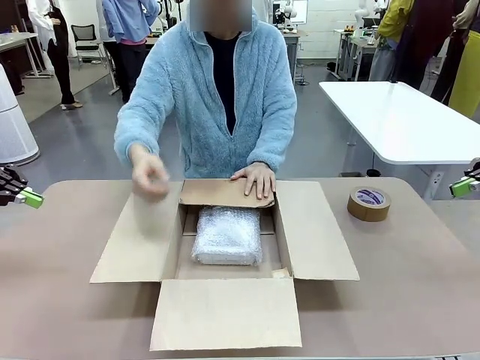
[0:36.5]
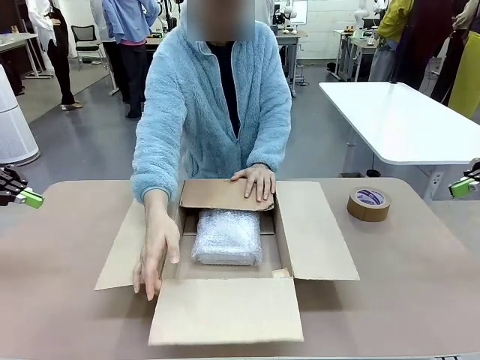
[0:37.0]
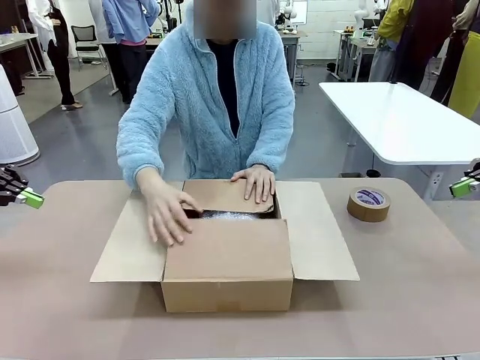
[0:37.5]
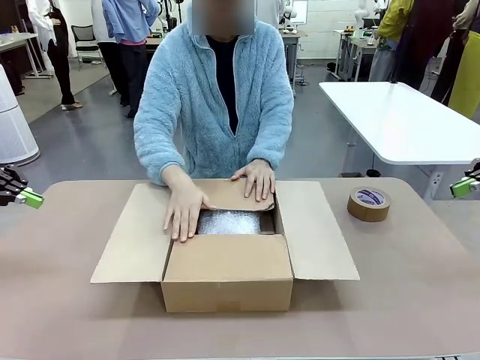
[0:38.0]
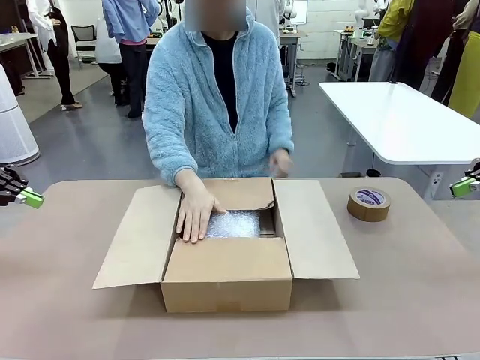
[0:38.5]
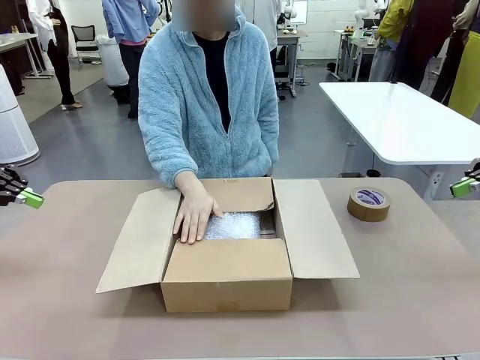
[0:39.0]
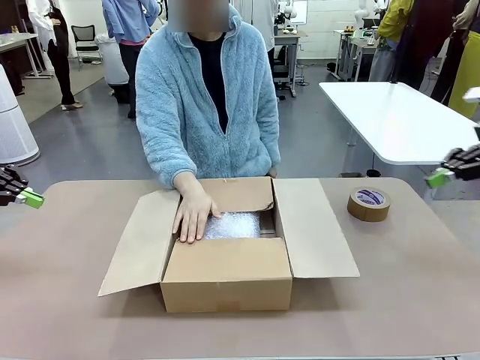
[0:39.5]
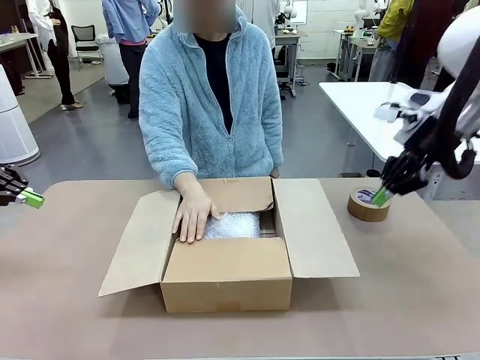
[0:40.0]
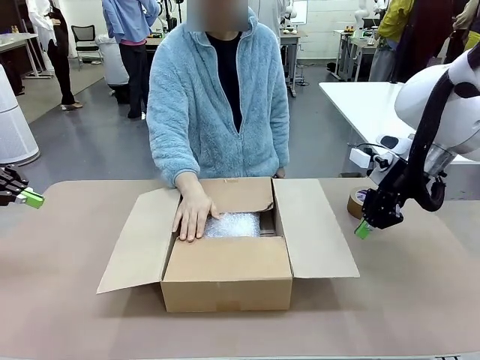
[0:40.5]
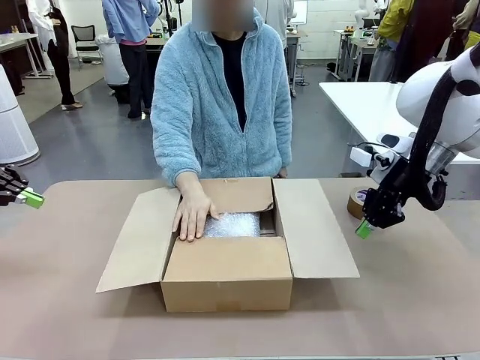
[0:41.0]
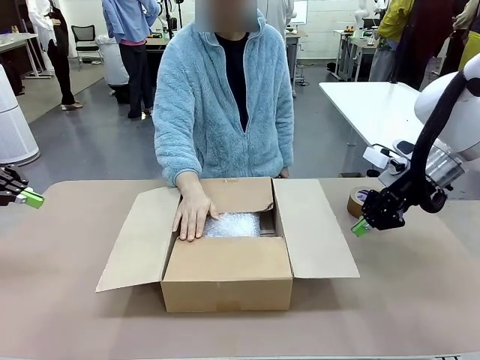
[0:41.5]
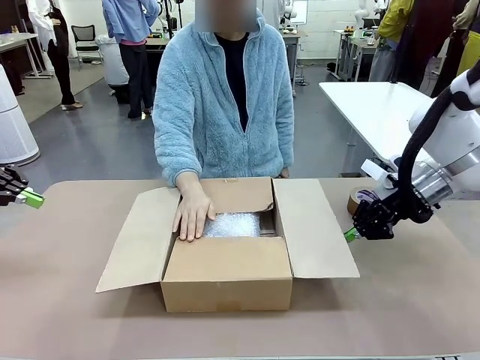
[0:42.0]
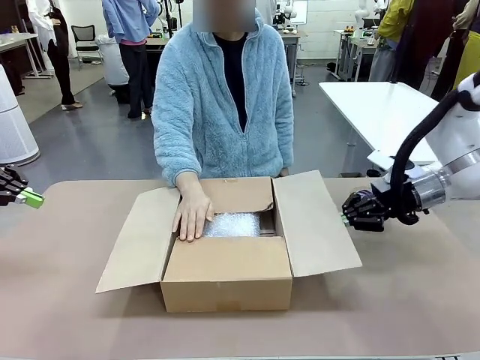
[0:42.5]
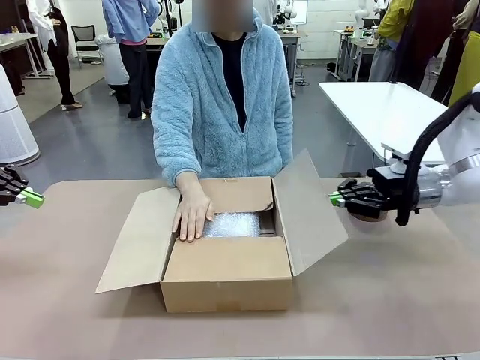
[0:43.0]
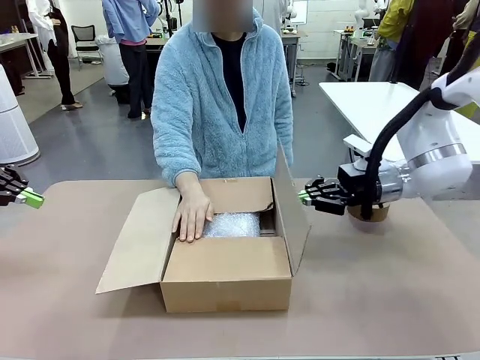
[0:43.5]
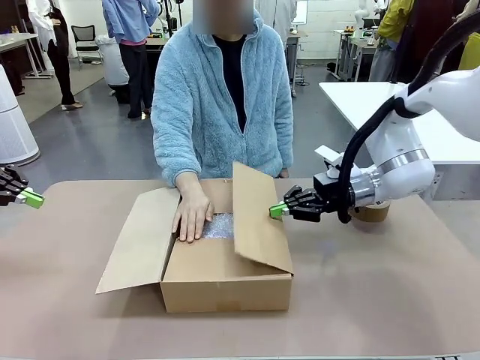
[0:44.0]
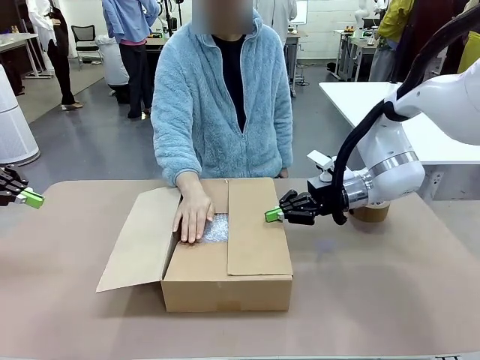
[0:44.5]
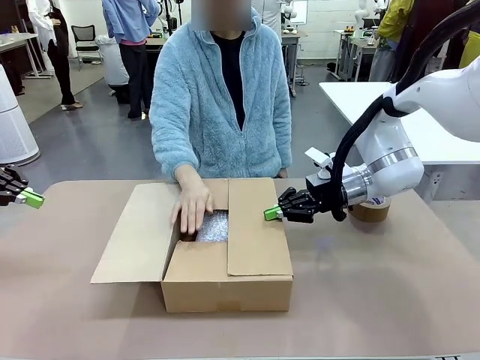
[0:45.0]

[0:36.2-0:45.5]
Task: Wrap the clocks to prevent damage.
Robot: Push the right (or left) flap of the Package Box to close it.
Person: Once the robot closes the right flap of the Package Box , release your left hand from the box.

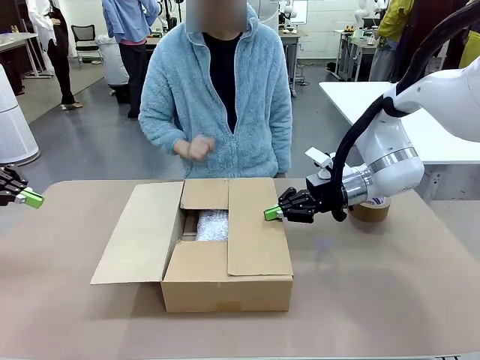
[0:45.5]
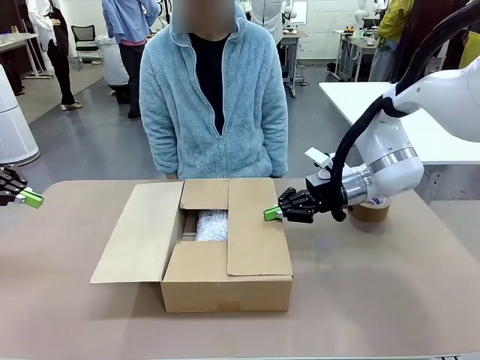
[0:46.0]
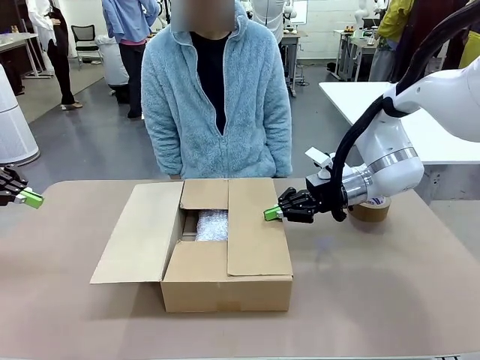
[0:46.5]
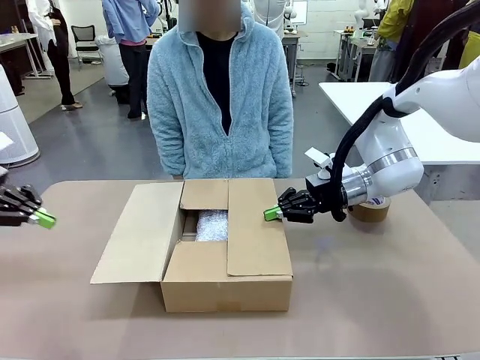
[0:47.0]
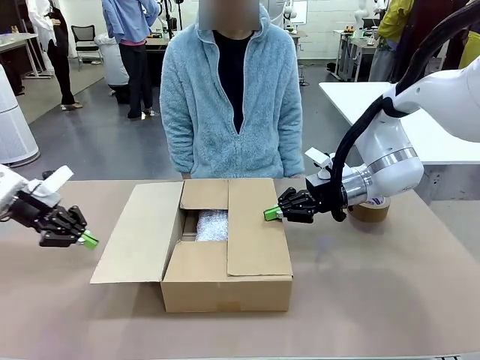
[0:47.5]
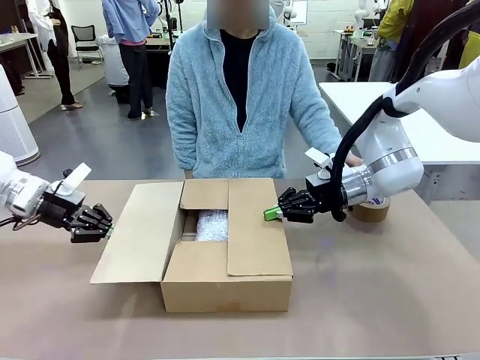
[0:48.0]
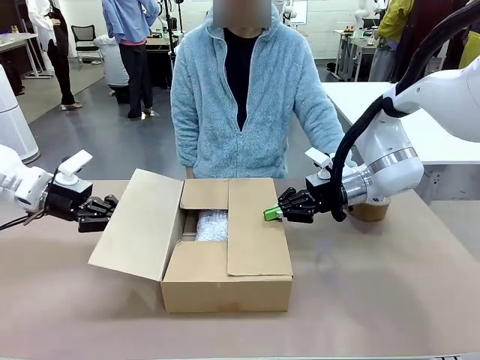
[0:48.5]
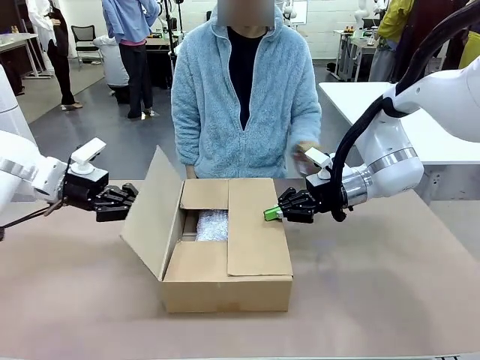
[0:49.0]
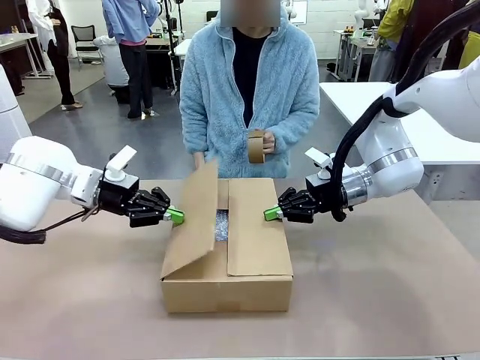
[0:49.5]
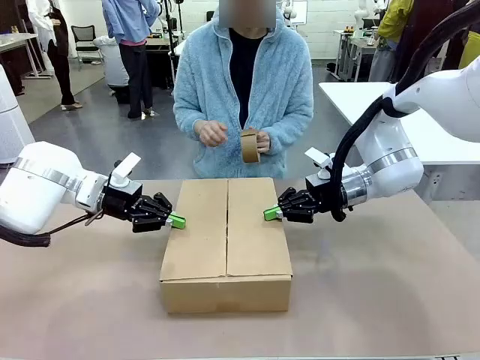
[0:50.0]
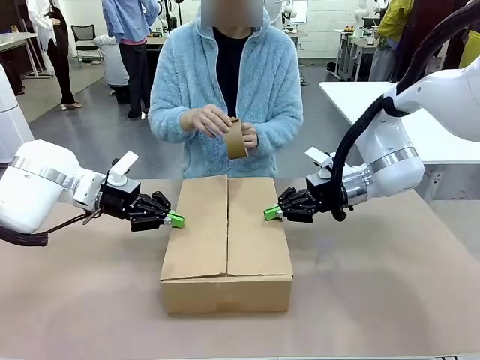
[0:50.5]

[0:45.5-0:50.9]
Robot: Push the left (or right) flap of the Package Box to close it.

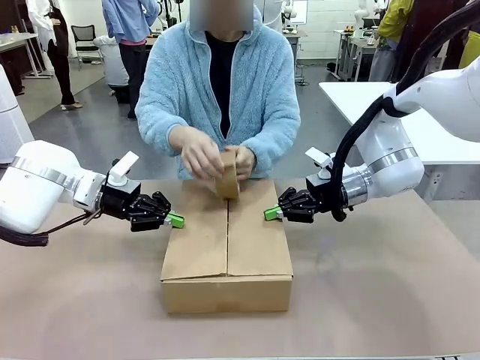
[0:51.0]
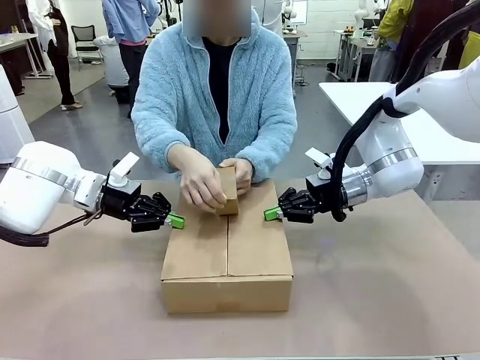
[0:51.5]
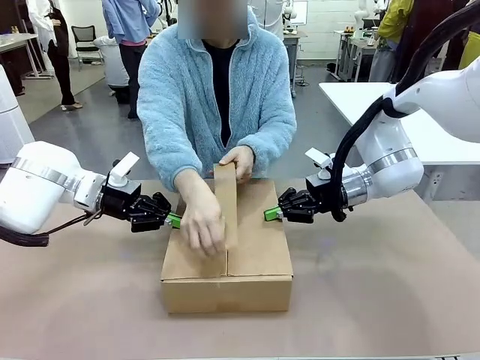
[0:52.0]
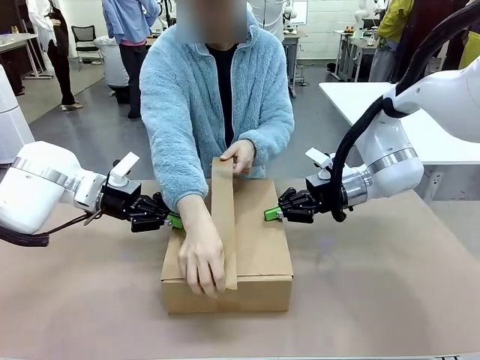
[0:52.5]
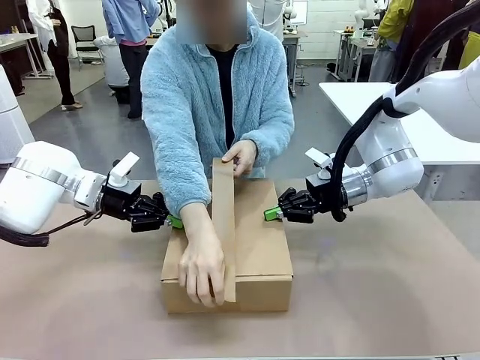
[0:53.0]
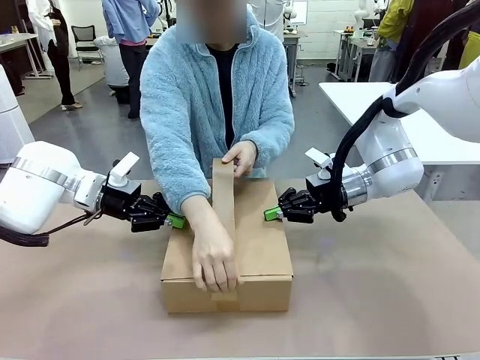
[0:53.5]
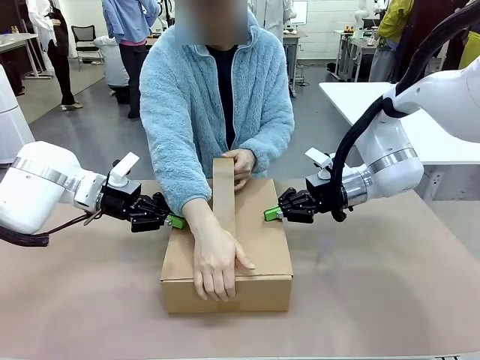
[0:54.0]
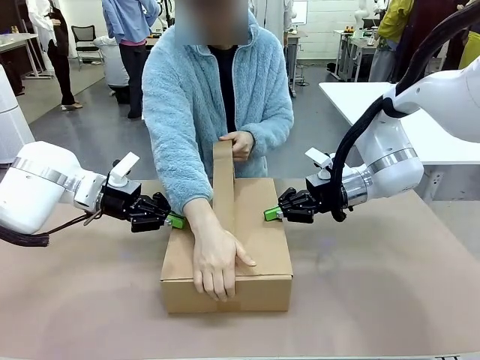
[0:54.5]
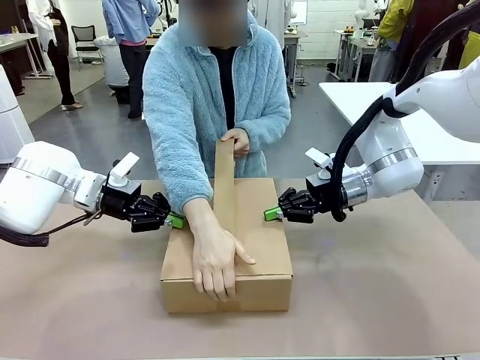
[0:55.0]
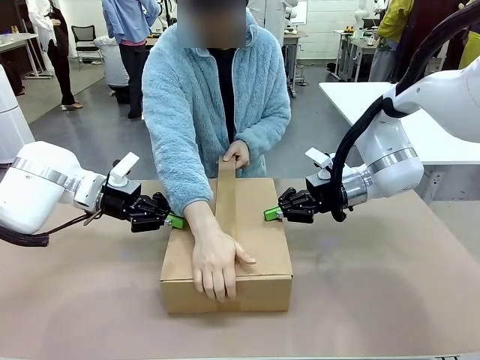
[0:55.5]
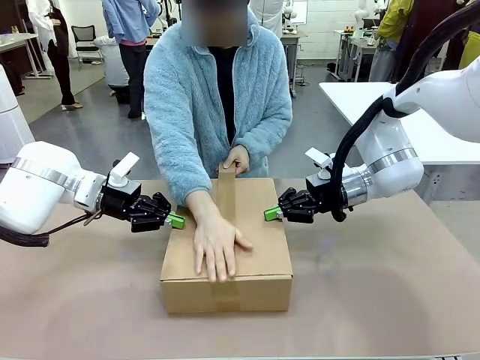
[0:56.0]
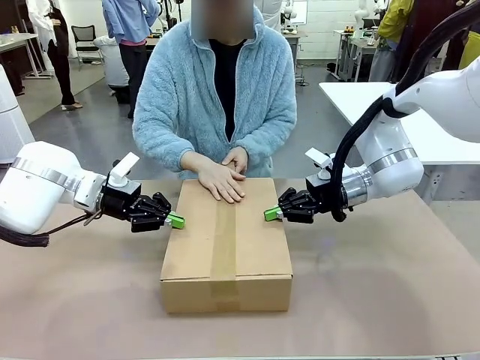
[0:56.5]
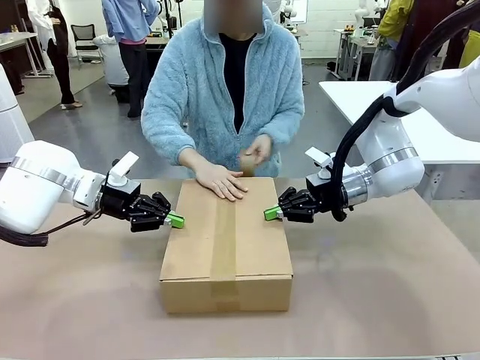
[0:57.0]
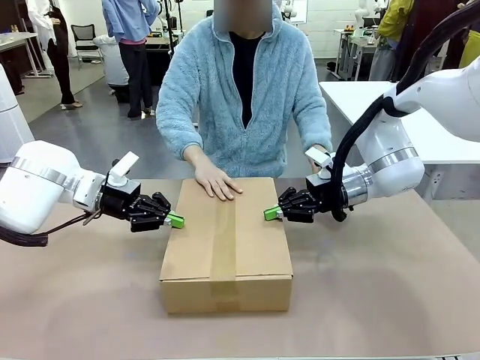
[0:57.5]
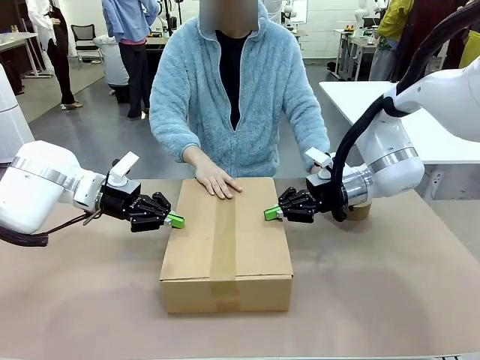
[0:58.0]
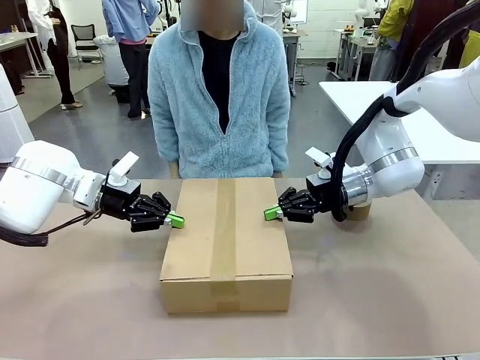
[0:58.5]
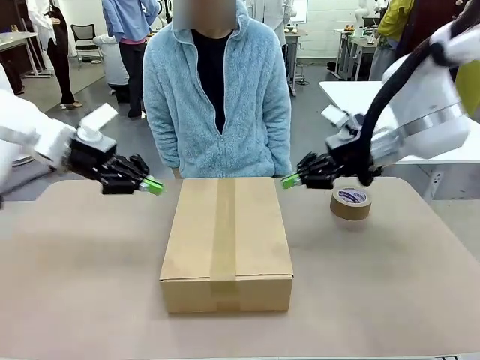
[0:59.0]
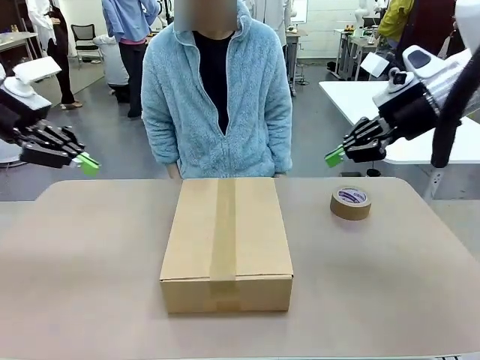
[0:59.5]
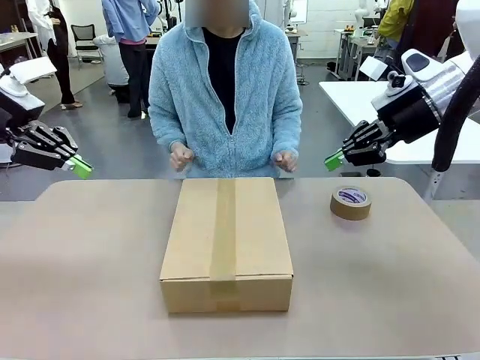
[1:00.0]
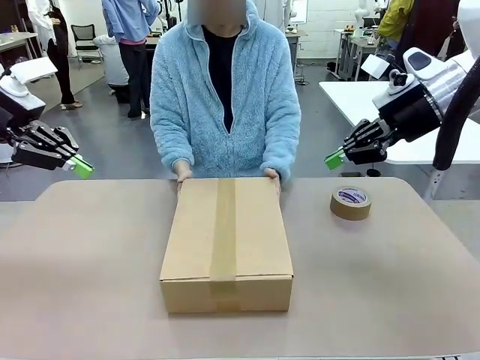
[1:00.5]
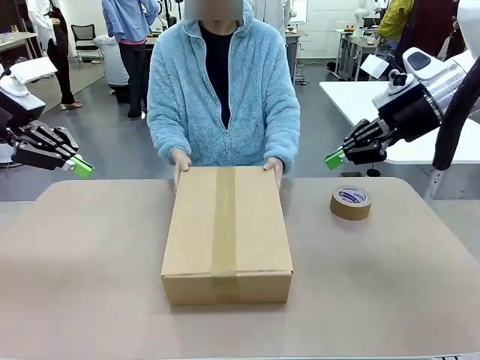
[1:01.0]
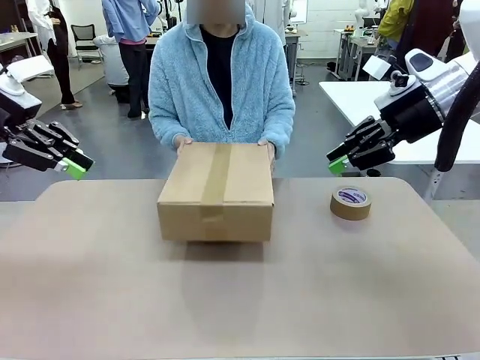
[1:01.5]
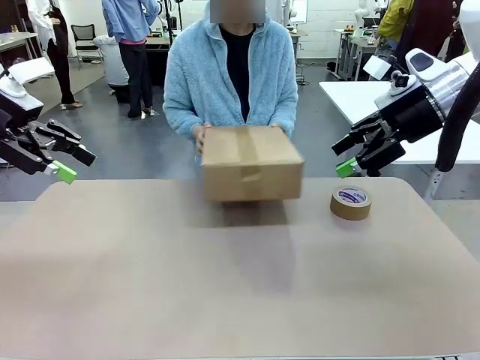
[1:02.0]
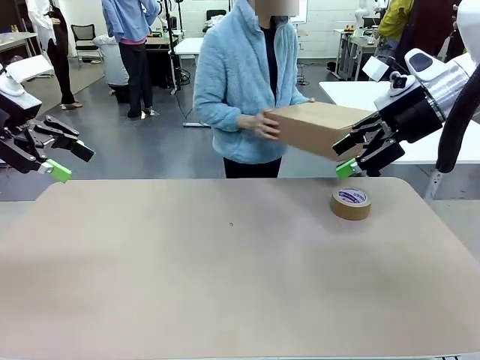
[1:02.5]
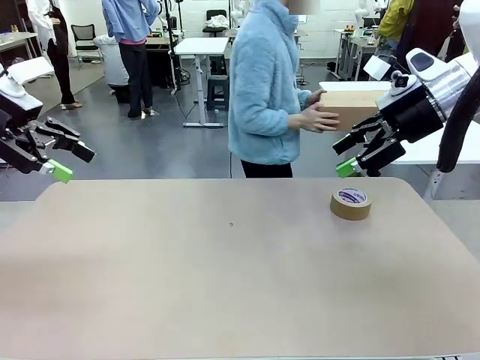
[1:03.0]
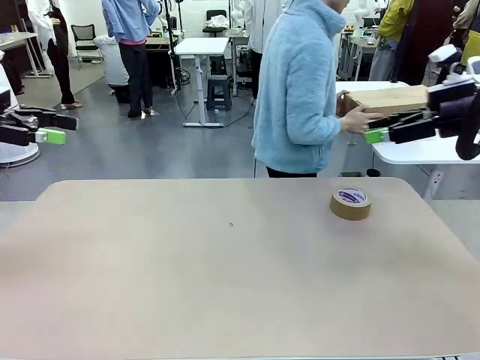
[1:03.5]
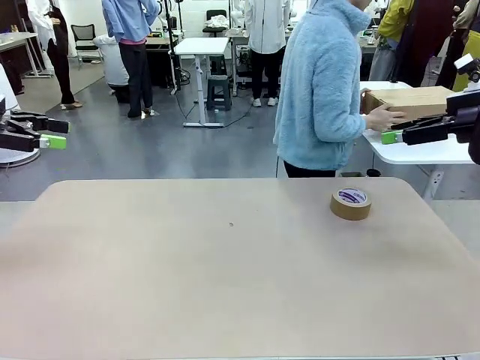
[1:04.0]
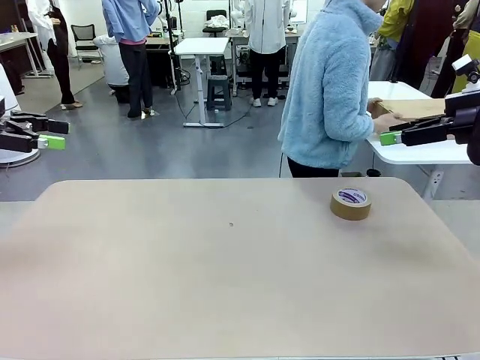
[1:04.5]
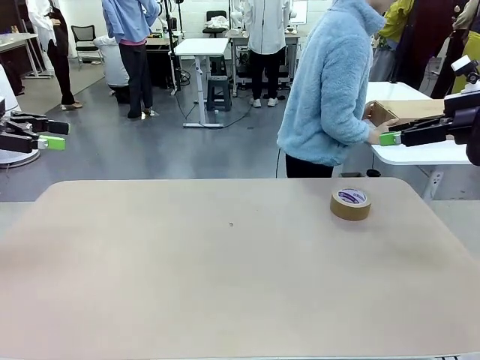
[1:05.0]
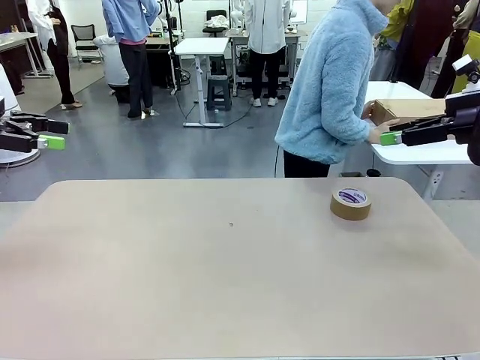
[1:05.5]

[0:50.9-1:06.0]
Robot: After the human seals the box with tape, release both hands from the side flaps of the Package Box.
Person: Once the robot closes the left flap of the Package Box , seal the box with Paper Tape. Place sealed Package Box in the middle of the human's table.
